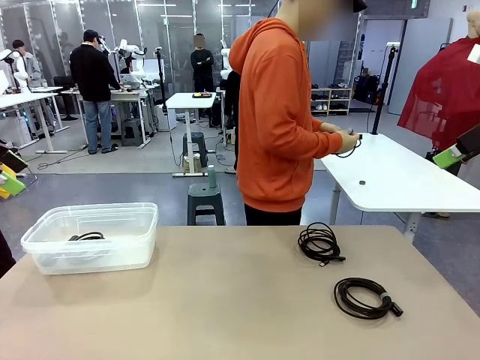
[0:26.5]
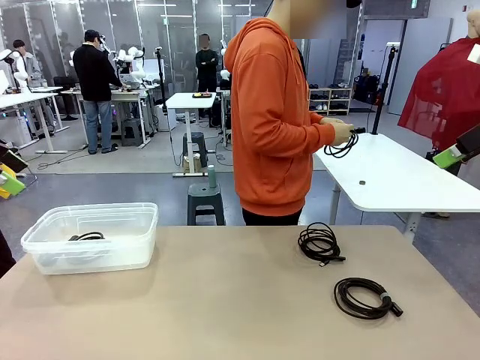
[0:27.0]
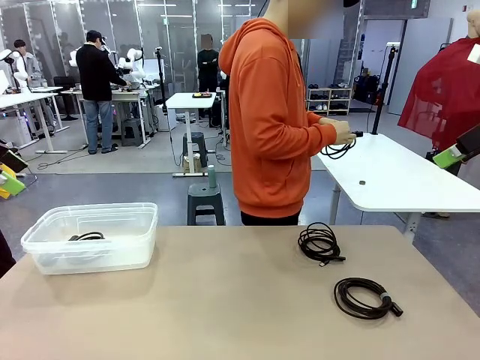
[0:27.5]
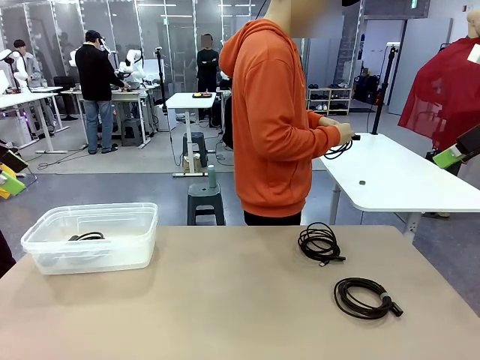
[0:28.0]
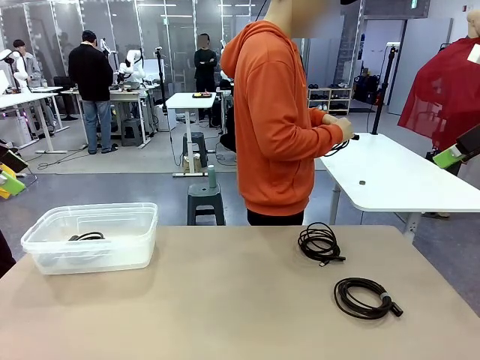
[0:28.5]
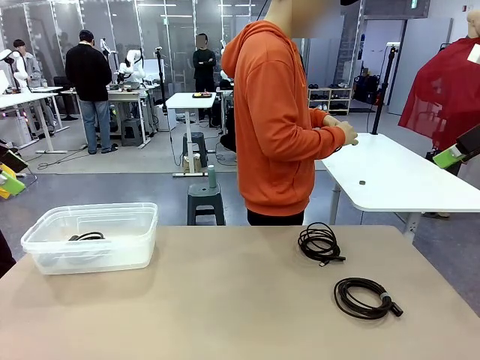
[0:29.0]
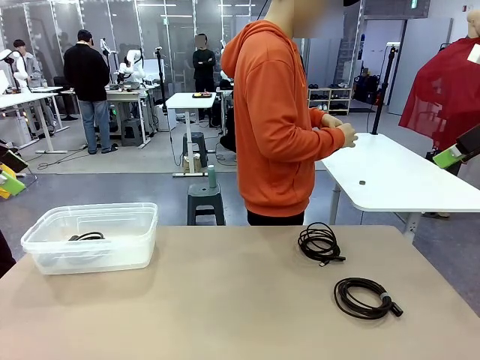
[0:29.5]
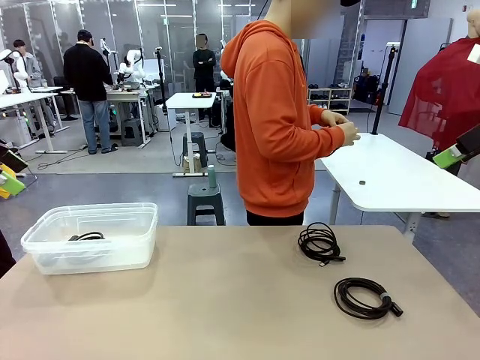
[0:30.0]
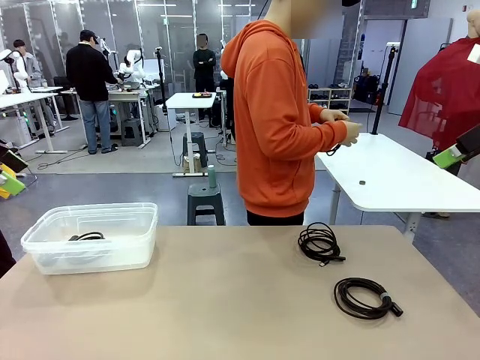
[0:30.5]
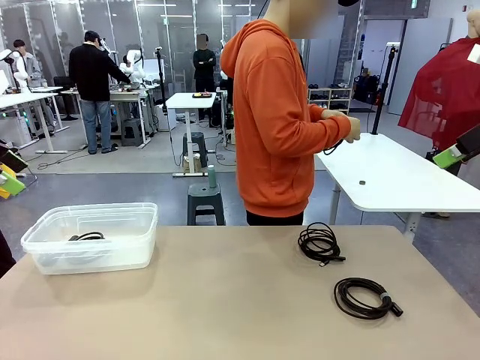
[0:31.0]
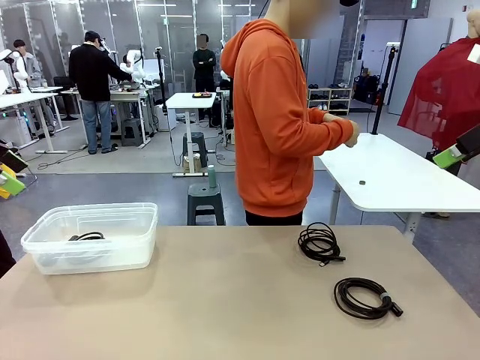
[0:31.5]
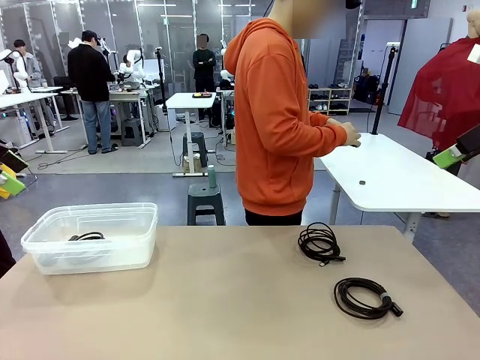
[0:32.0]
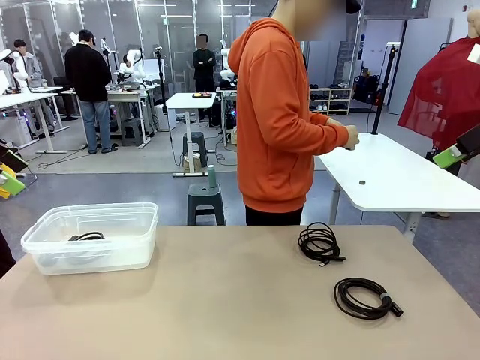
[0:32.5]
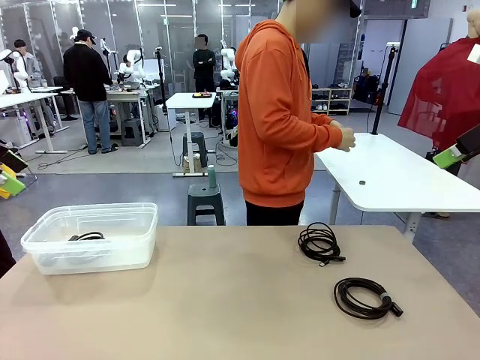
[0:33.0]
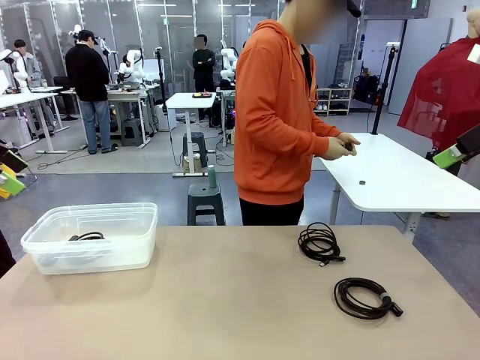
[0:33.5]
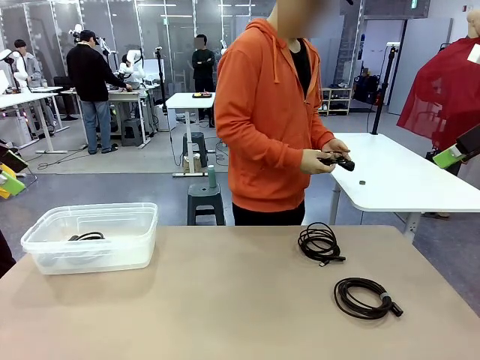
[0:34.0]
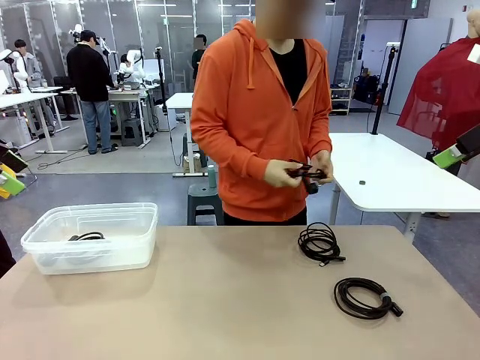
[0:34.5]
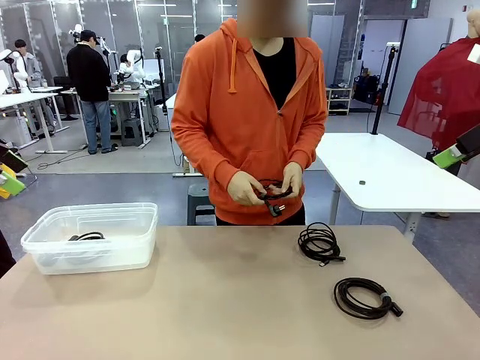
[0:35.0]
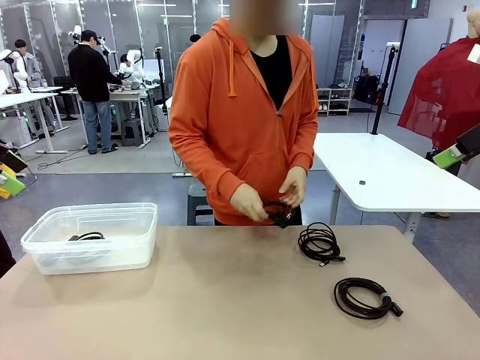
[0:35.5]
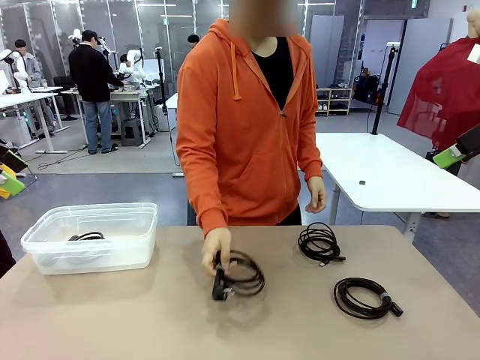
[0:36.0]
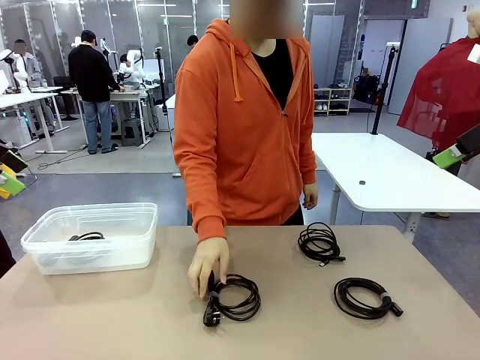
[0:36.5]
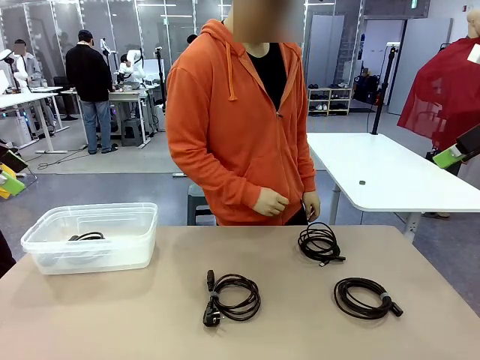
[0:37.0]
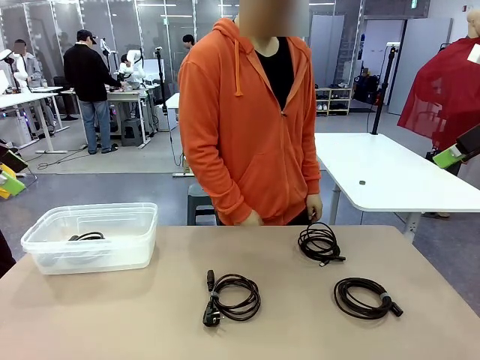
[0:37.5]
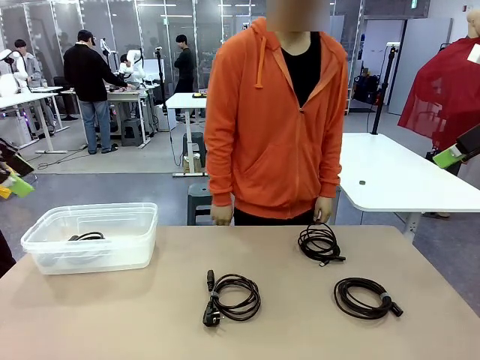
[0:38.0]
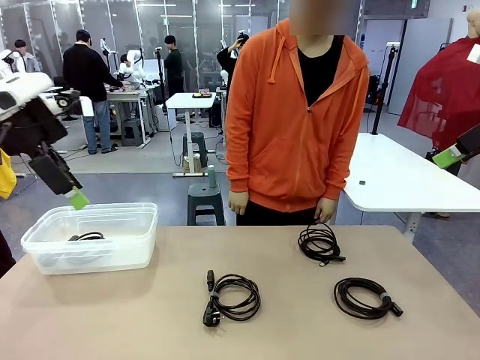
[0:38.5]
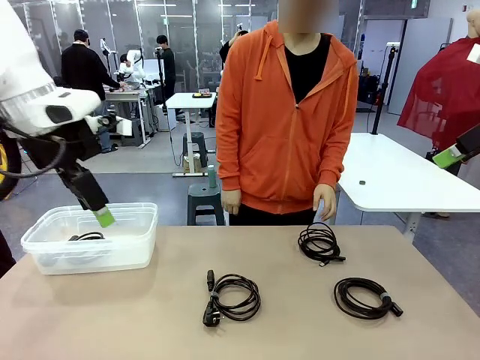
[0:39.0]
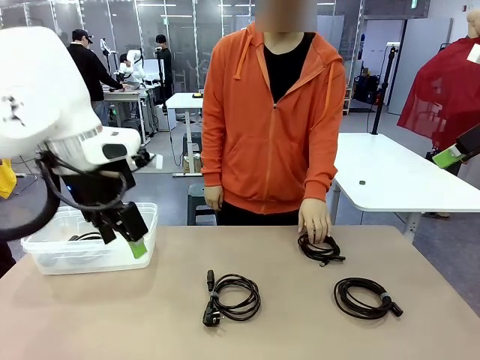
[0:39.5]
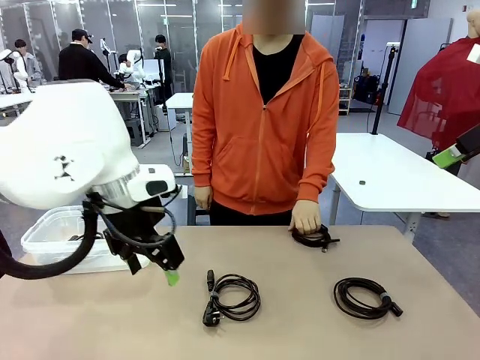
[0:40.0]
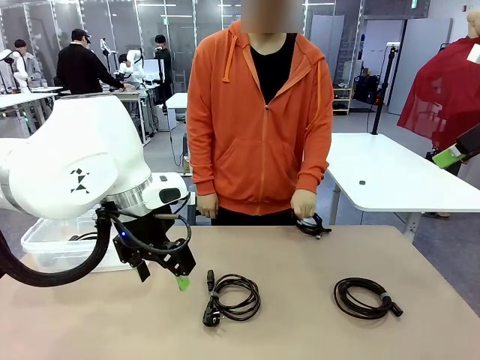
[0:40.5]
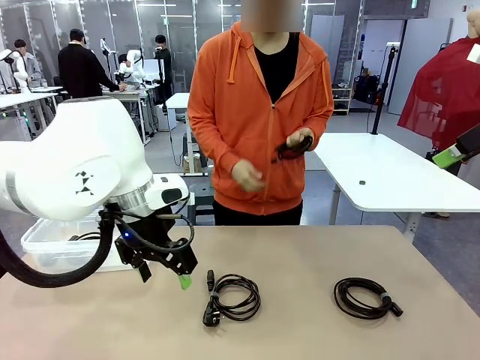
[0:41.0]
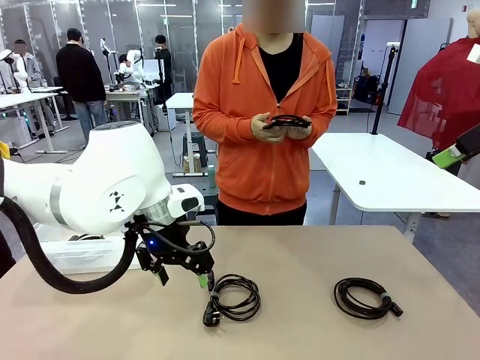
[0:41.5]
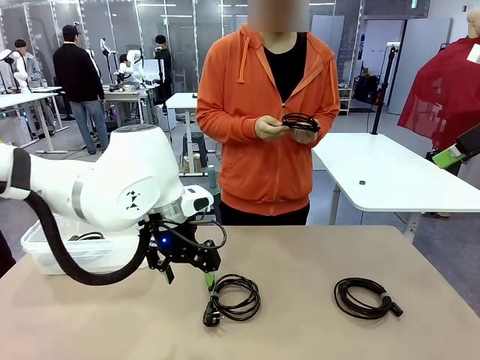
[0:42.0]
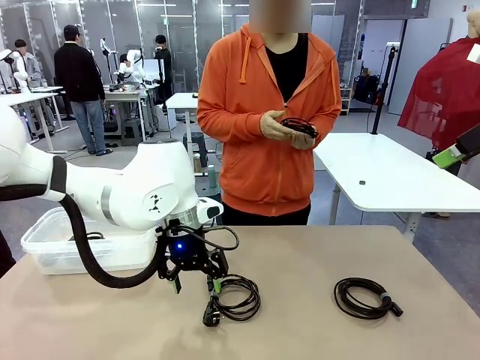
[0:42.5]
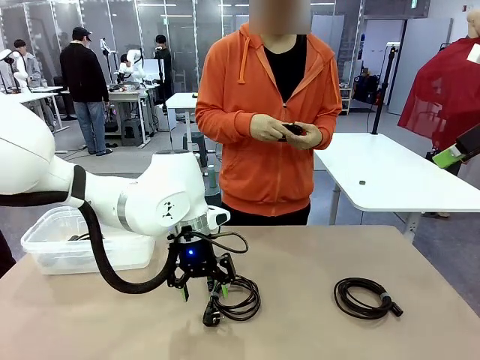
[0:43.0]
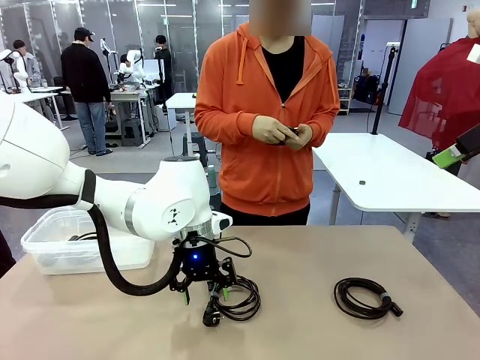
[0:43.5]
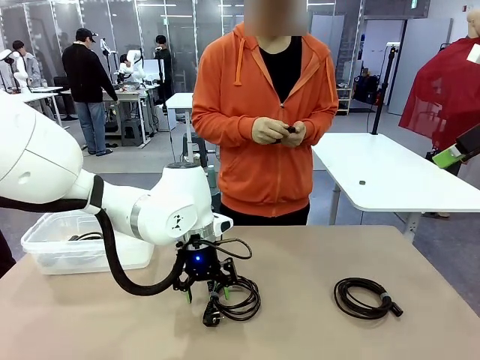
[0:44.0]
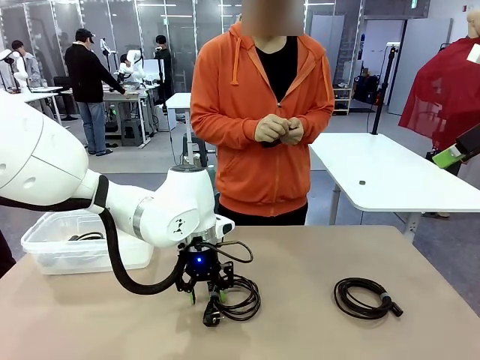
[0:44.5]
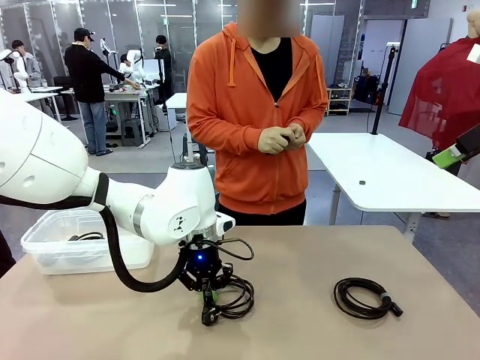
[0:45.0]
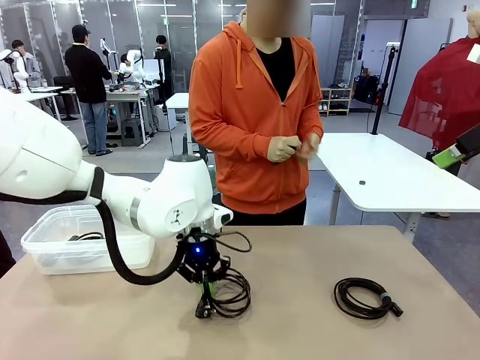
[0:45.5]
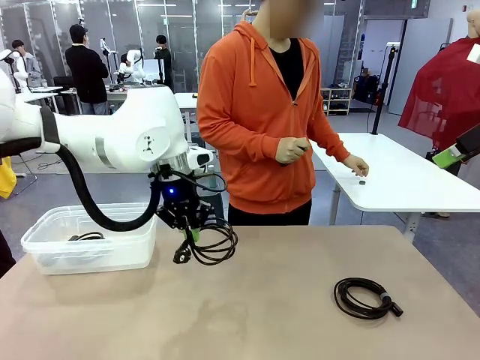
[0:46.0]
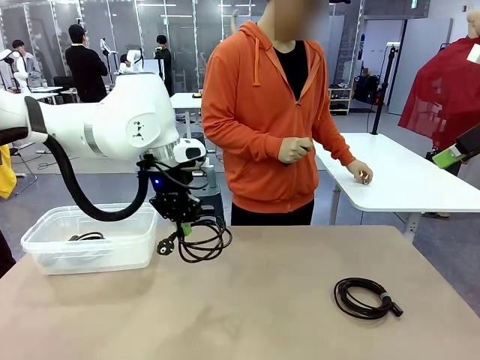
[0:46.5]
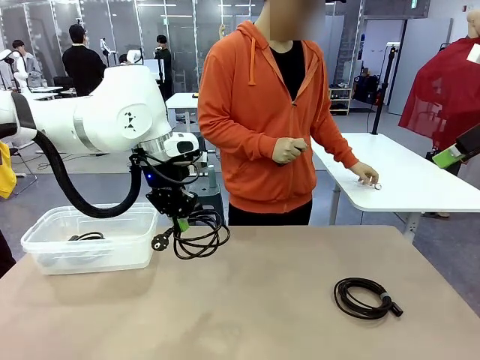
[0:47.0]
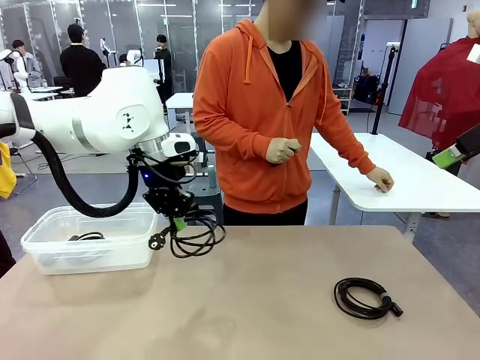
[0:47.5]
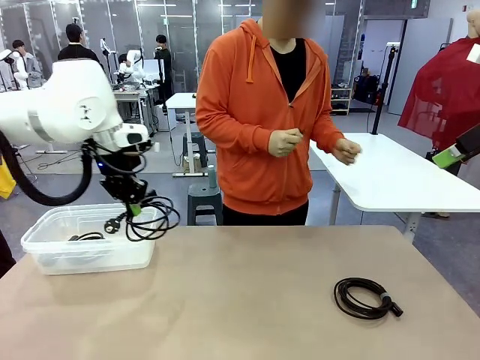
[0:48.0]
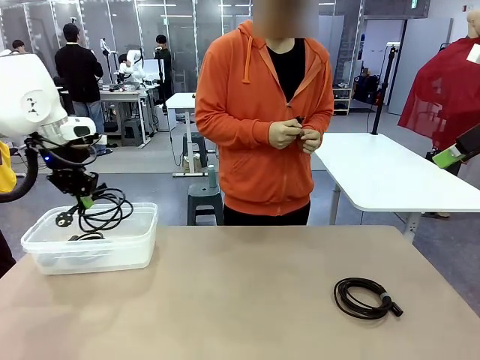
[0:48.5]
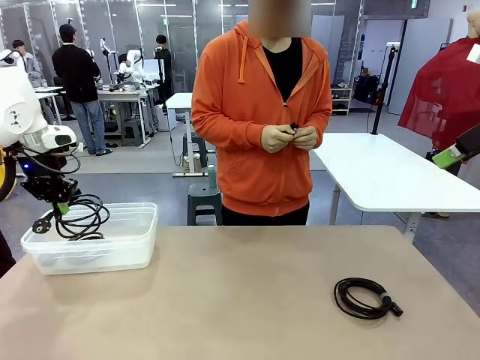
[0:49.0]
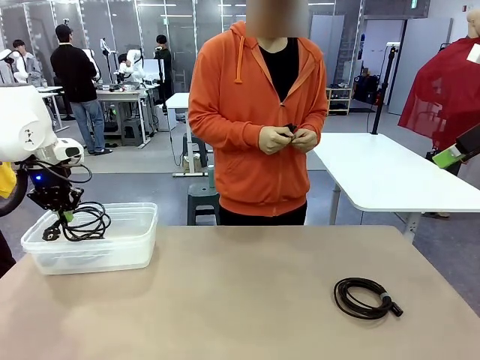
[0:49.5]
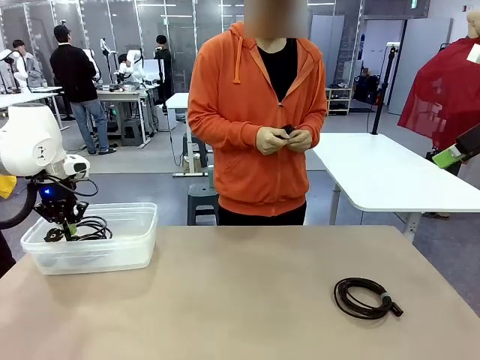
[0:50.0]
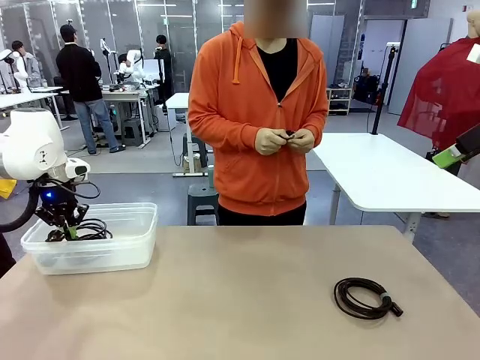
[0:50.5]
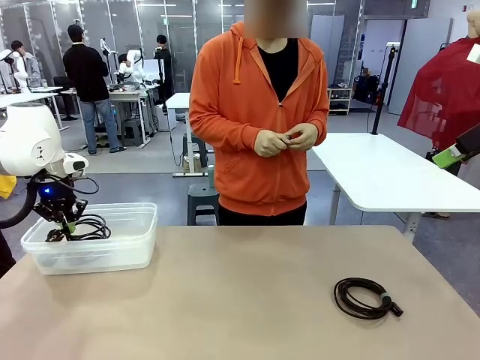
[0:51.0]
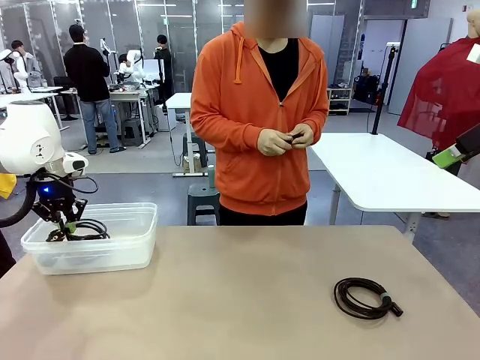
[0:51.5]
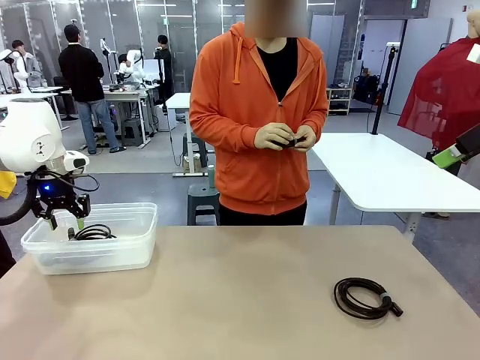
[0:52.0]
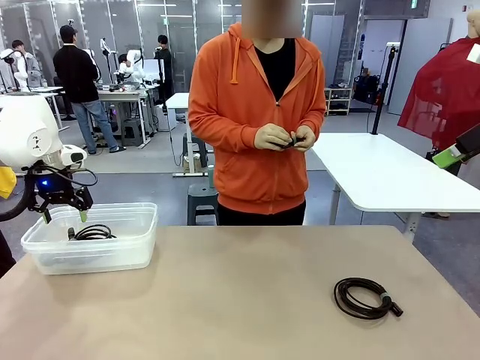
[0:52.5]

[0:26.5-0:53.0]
Task: Organize and store the cables.
Robot: Place the Power Cable into the Organizing box.
